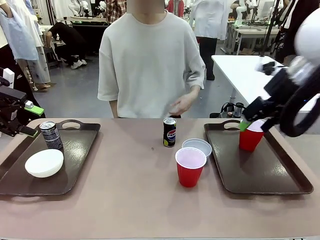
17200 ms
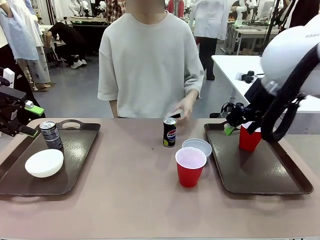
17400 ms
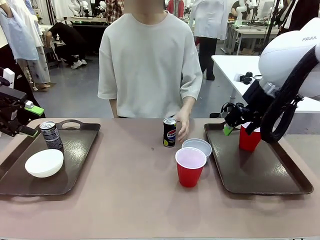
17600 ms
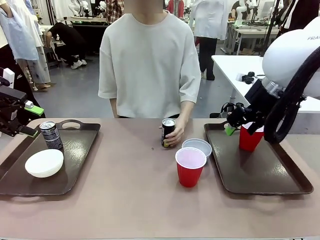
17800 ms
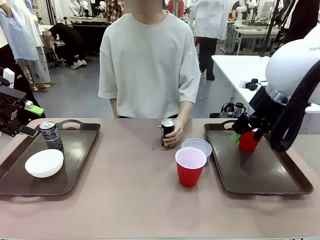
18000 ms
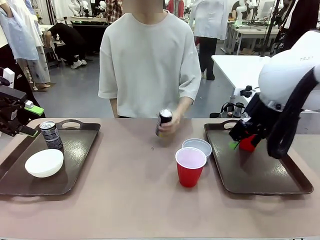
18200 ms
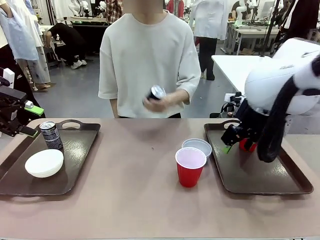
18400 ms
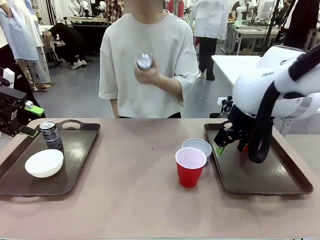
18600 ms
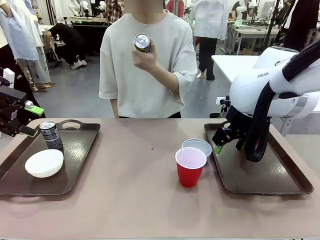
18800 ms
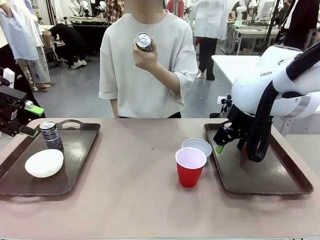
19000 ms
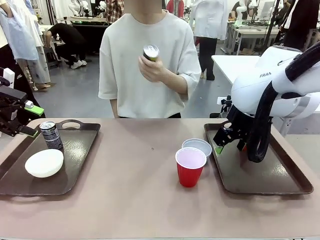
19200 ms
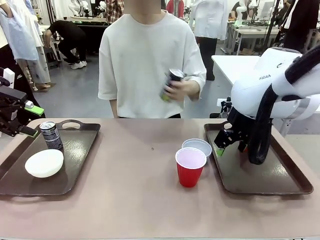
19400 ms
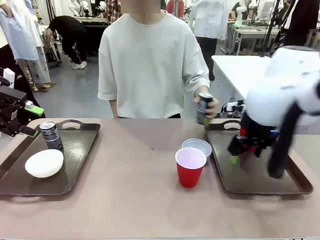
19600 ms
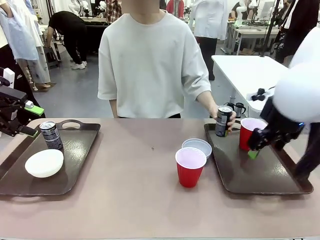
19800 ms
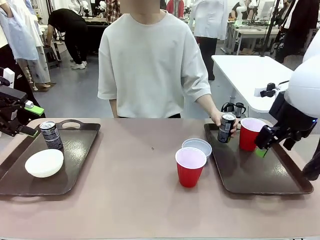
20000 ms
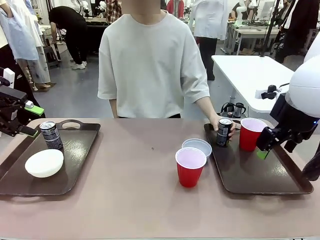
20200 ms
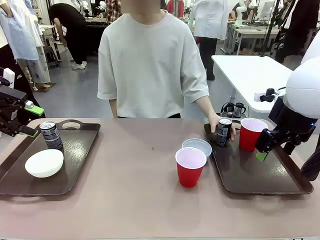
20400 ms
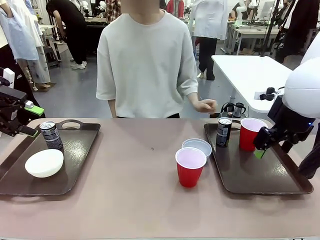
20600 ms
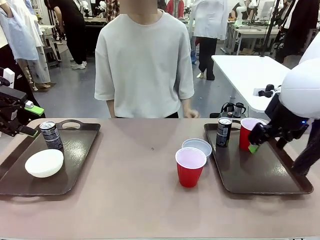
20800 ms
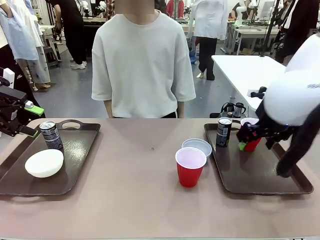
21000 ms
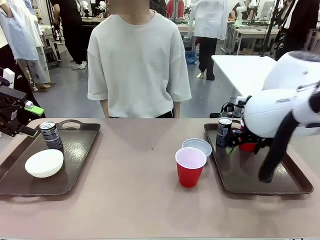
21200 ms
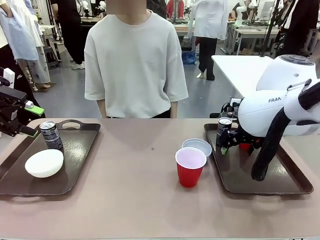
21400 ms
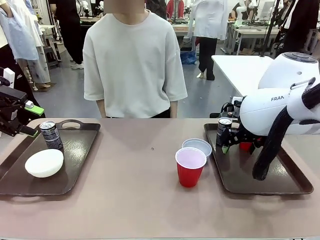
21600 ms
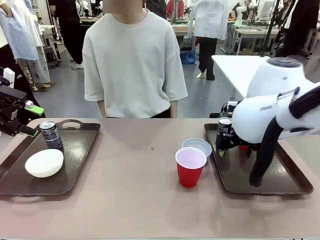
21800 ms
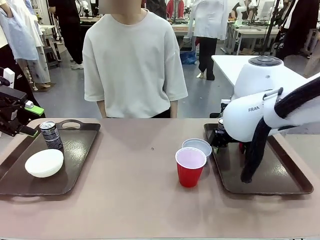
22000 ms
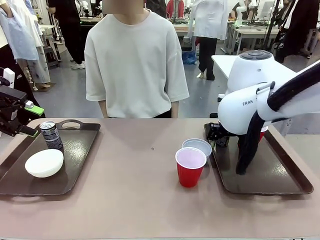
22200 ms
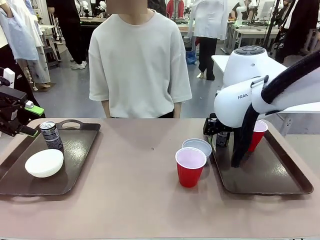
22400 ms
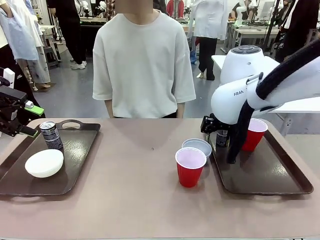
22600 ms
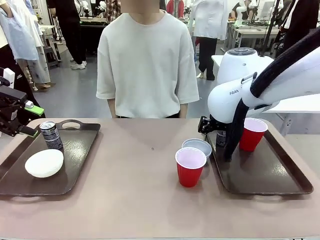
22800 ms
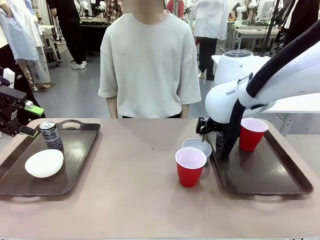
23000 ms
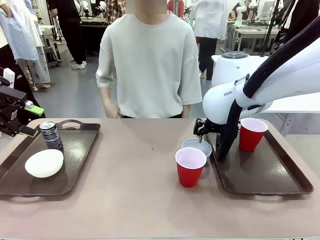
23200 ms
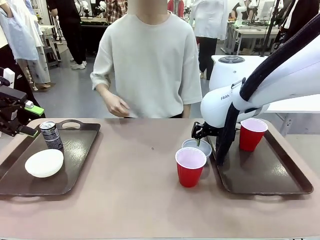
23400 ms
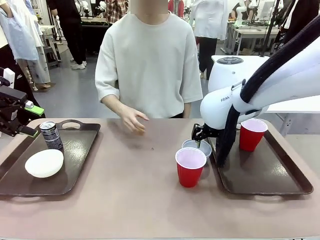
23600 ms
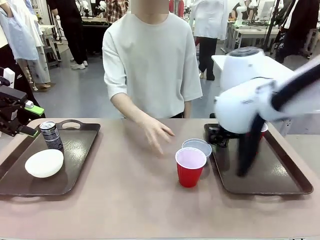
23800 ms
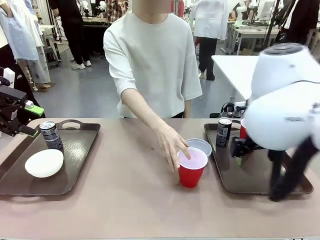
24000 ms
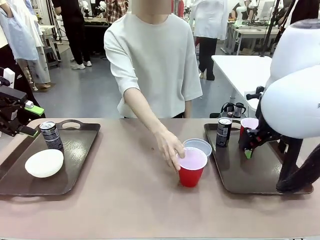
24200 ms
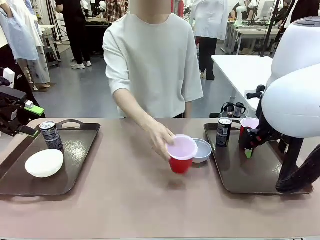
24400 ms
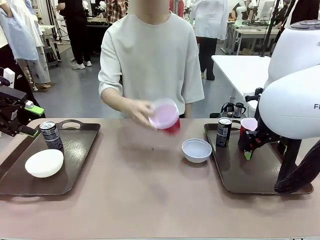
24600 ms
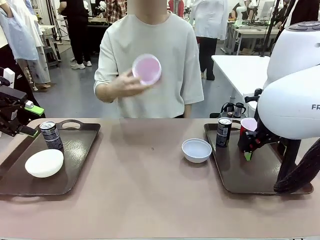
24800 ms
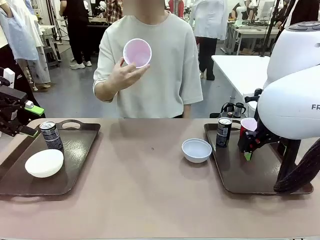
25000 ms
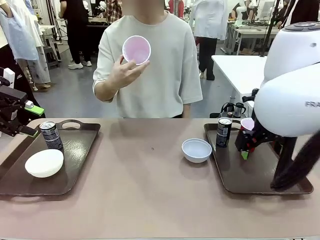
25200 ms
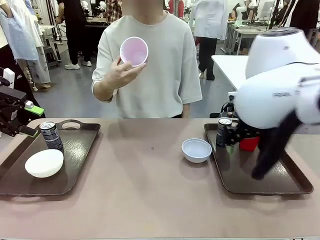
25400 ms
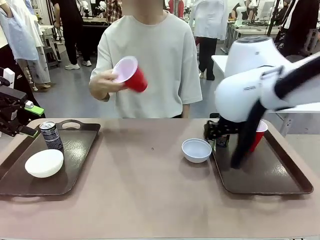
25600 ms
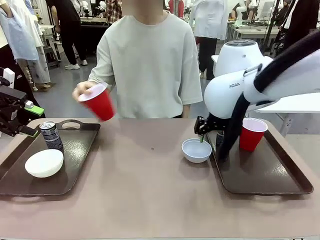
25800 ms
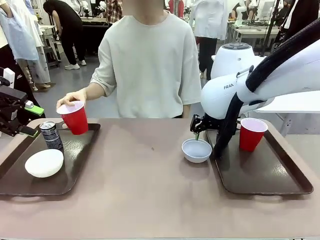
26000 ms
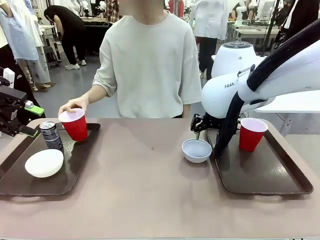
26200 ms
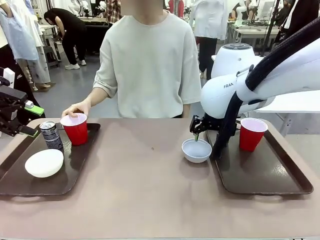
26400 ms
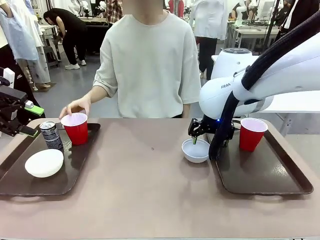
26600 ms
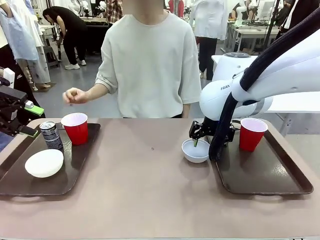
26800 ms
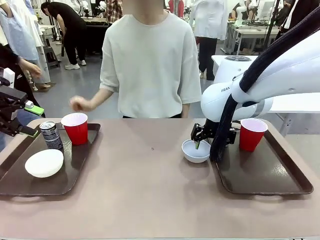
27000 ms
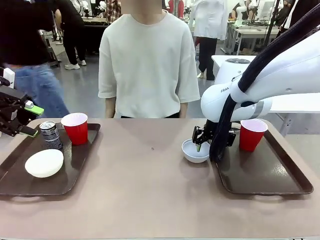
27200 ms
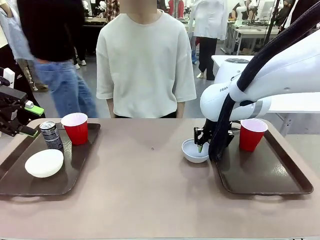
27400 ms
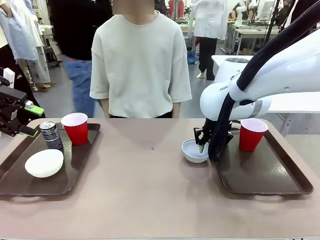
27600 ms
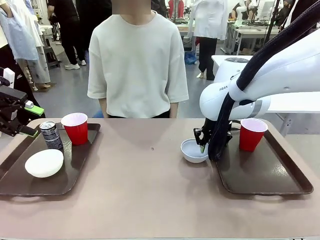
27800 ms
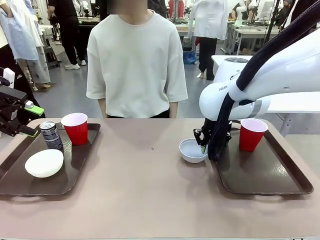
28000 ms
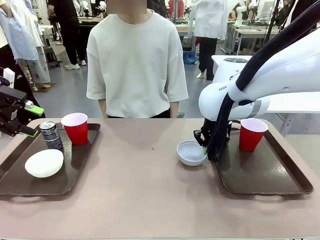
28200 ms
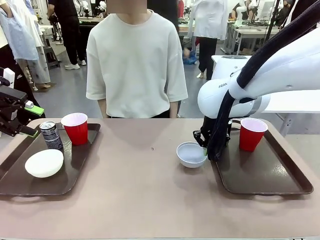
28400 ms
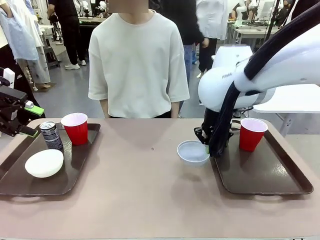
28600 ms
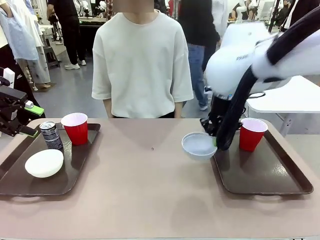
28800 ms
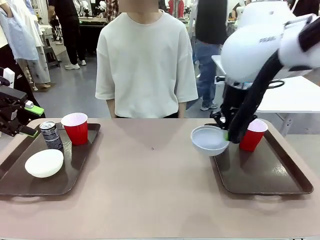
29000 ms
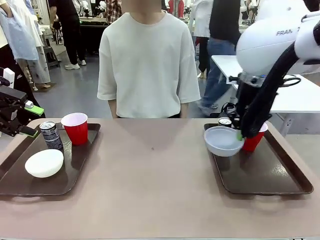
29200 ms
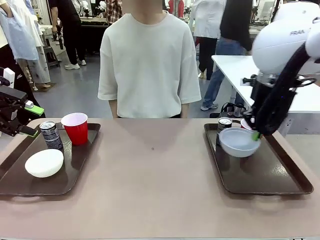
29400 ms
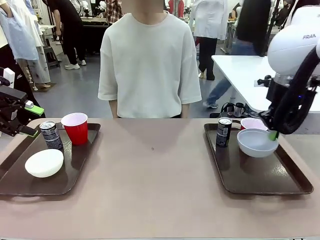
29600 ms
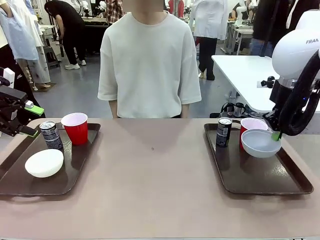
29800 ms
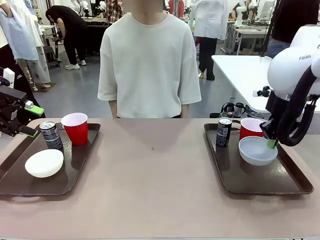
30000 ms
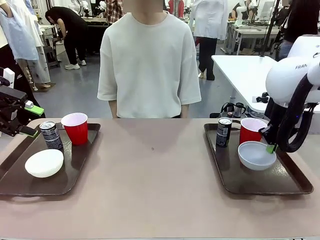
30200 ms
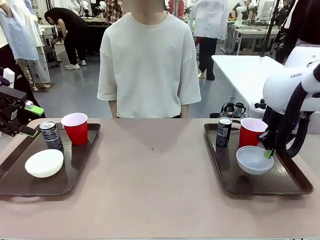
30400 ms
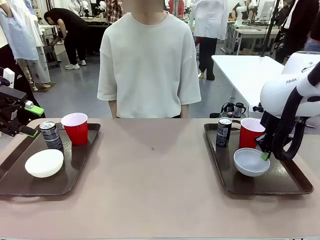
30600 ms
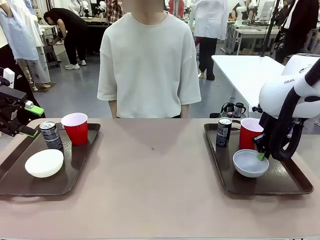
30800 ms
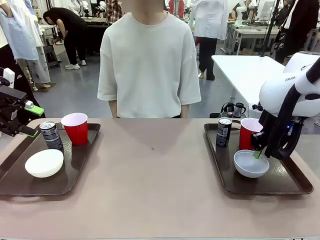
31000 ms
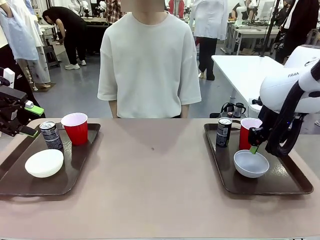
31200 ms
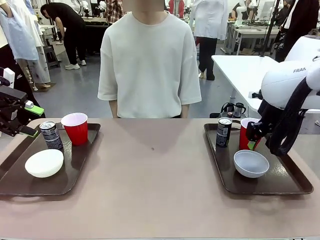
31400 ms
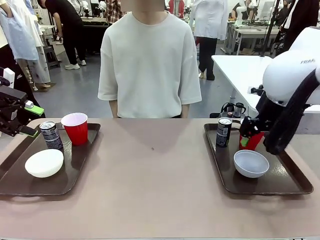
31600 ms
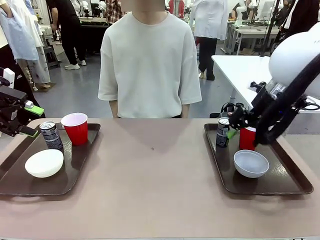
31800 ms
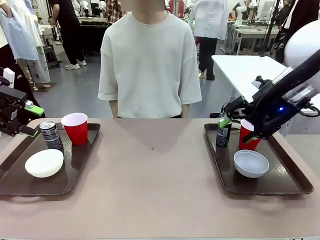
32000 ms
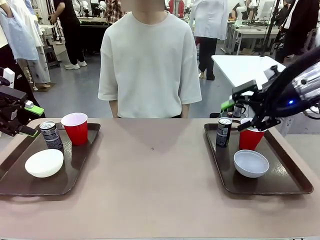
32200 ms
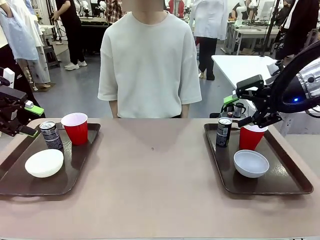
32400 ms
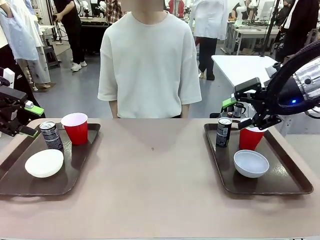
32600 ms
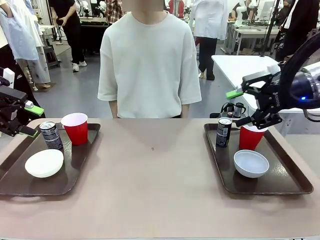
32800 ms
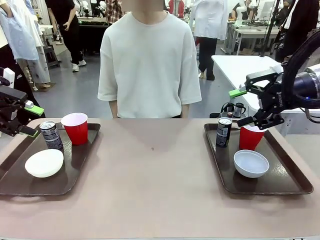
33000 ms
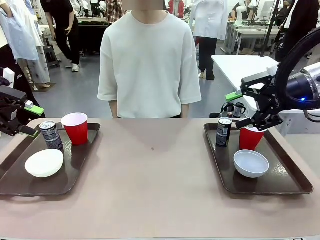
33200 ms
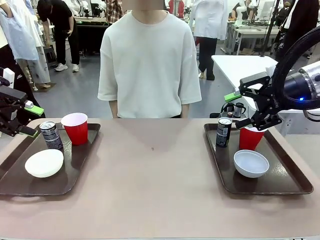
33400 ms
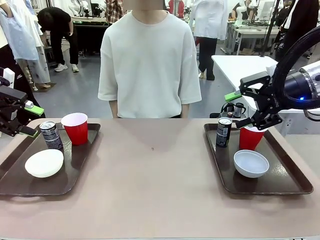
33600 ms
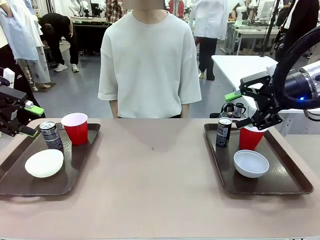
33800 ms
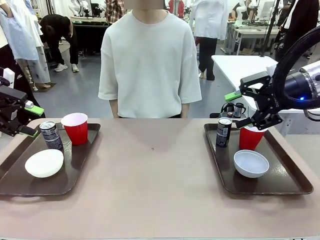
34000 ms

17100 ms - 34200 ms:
Task: Prepare tableware on both trays.
Robot: Pick up a Picnic Bowl from the table and place it on a Handle tray.
Person: Pick up a can or cup and place it on the tray without a can or cup.
